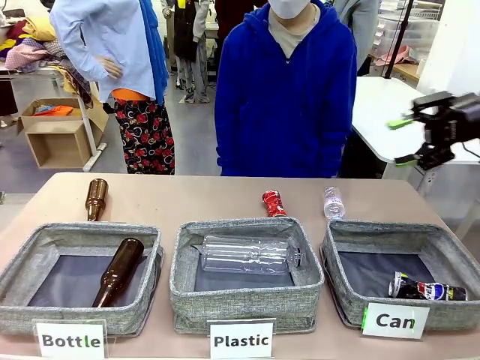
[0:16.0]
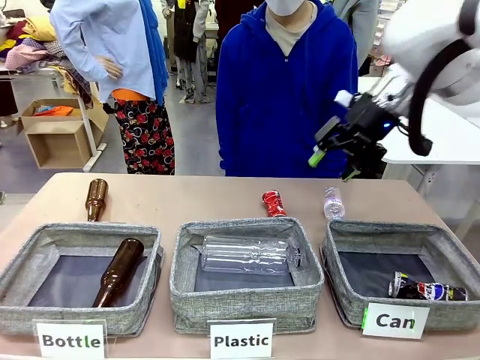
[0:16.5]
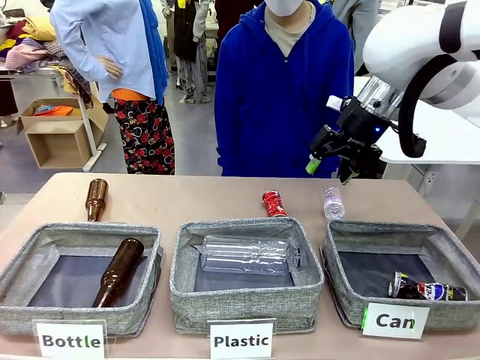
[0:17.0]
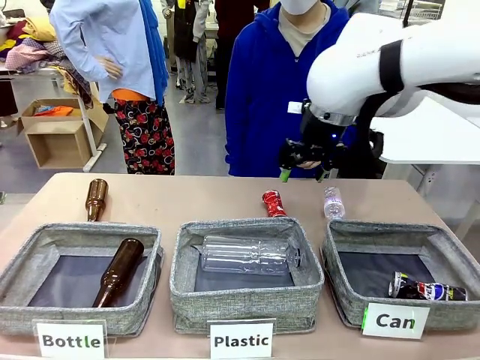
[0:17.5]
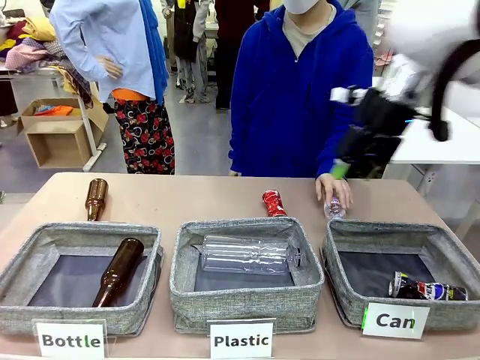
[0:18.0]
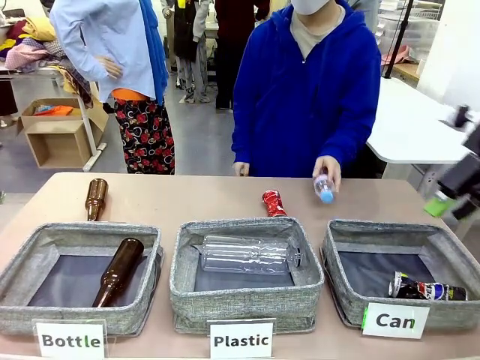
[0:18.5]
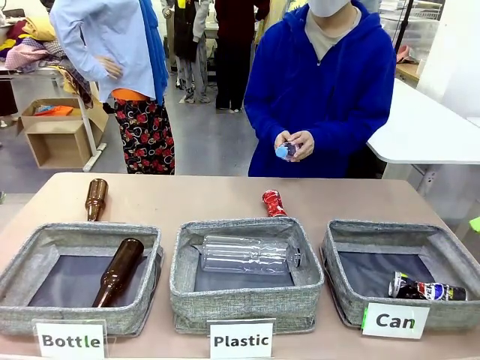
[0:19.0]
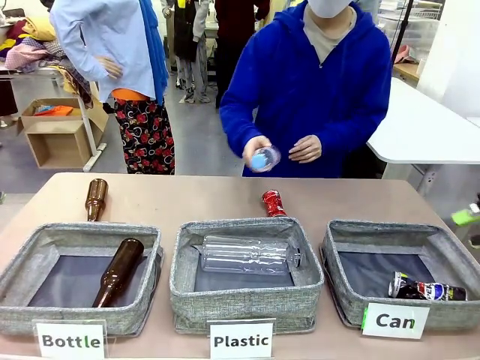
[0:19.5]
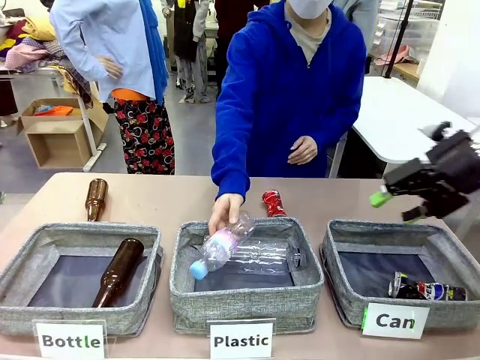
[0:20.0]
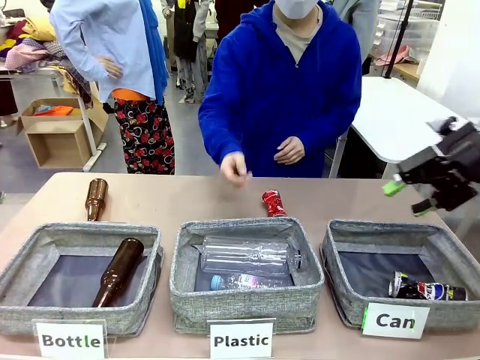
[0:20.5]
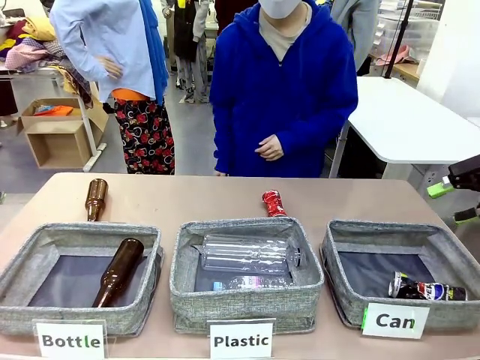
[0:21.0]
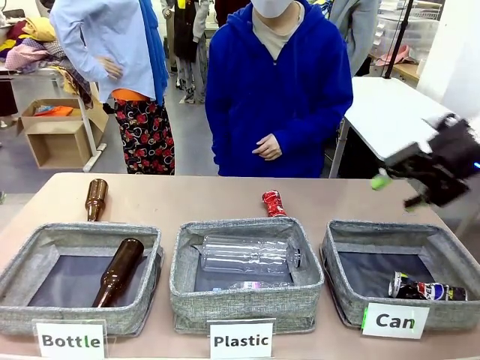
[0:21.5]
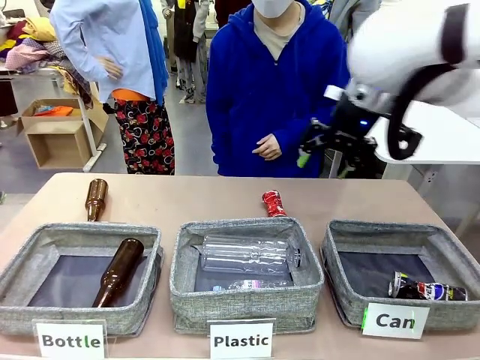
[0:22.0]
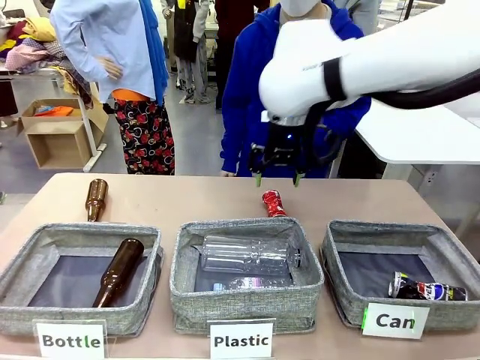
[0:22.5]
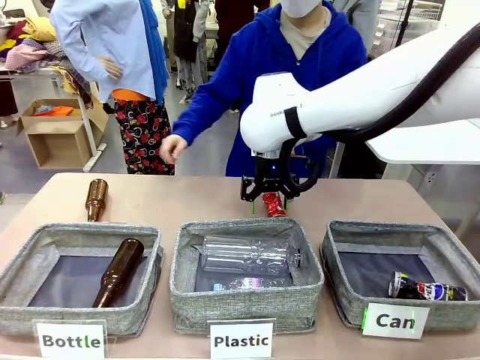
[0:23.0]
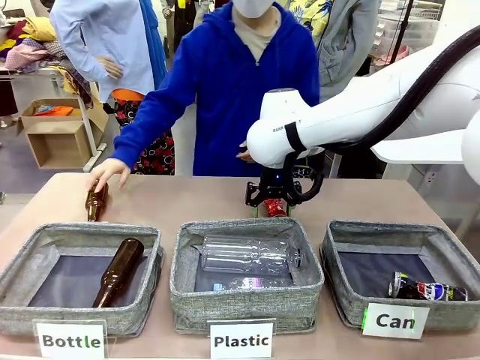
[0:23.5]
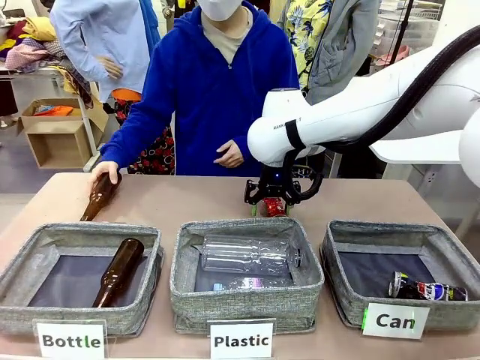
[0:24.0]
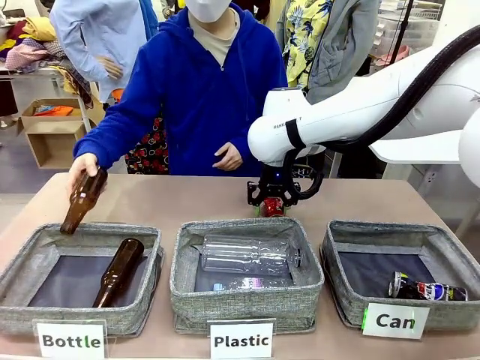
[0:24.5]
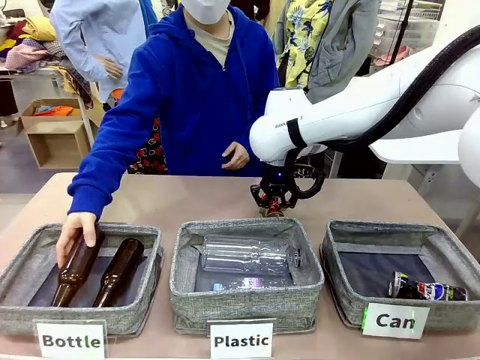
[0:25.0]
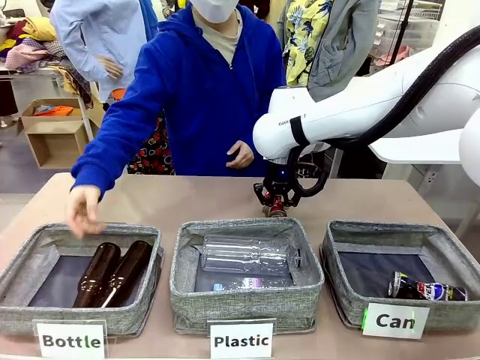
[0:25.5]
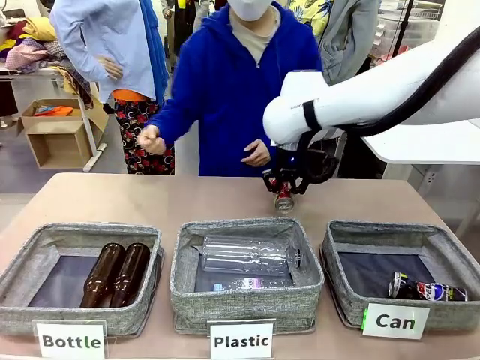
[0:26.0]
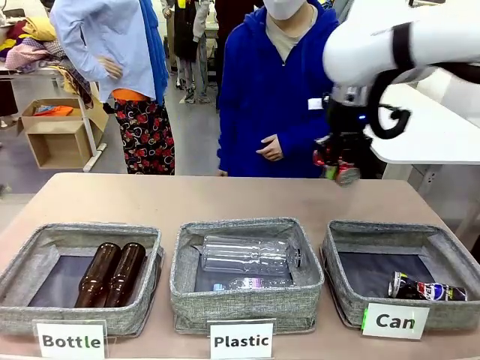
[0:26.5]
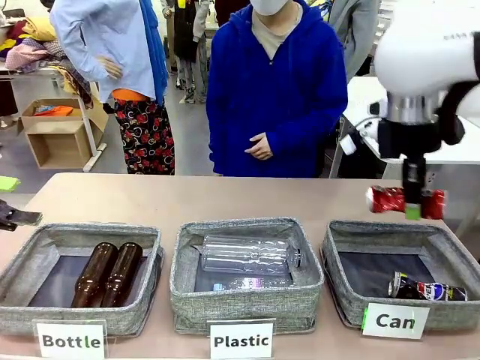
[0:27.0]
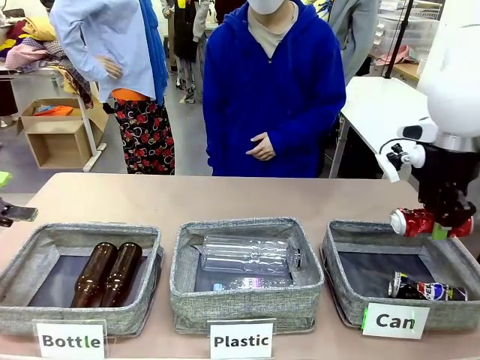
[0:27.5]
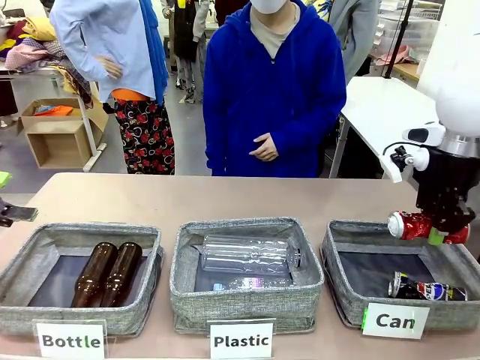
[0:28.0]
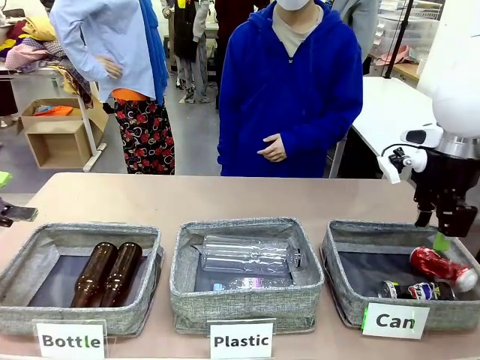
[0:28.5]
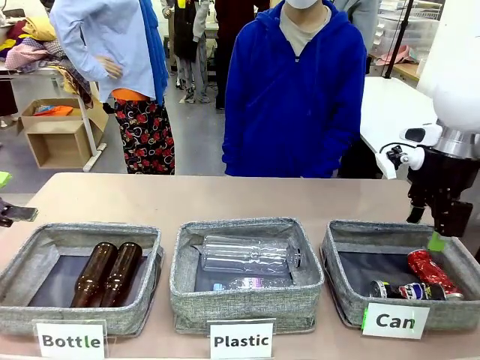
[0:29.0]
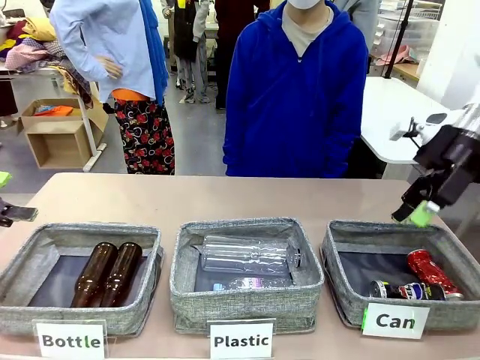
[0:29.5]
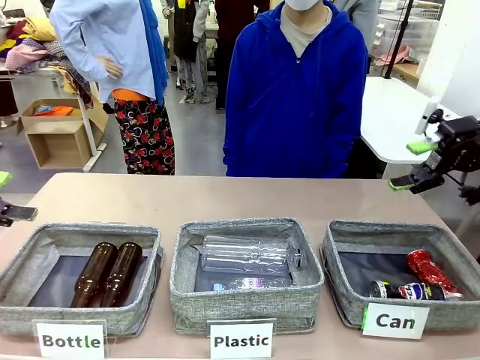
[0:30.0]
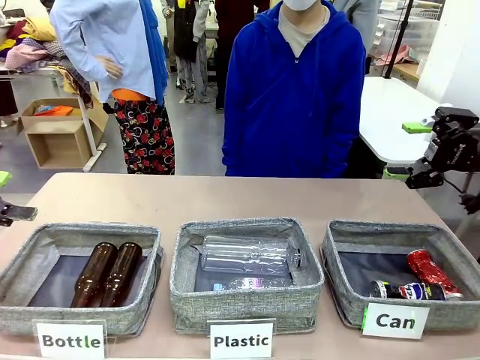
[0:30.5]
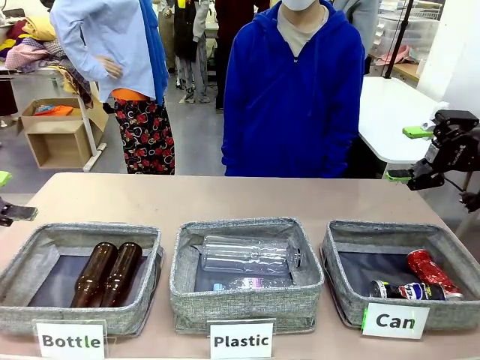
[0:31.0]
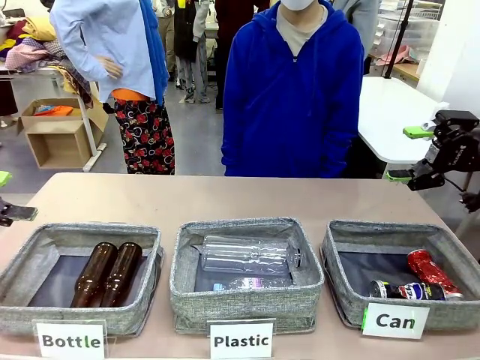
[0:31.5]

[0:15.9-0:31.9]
Task: Sort the can waste into the basket.
Robot: Pick up the can waste from the table and place it in the right Fabric basket.
Person: The human picks up one piece of trash that is not a can and places the trash into the appropriate organizing basket.

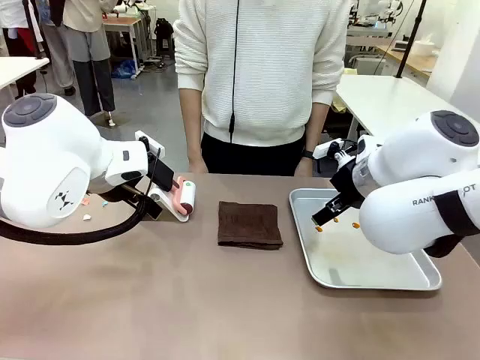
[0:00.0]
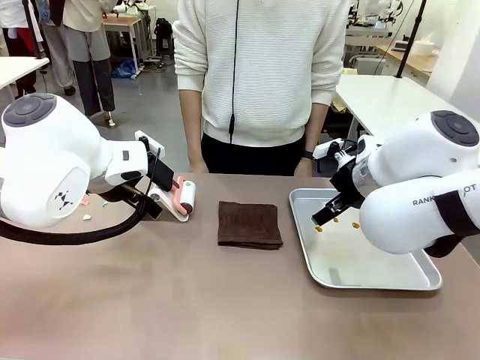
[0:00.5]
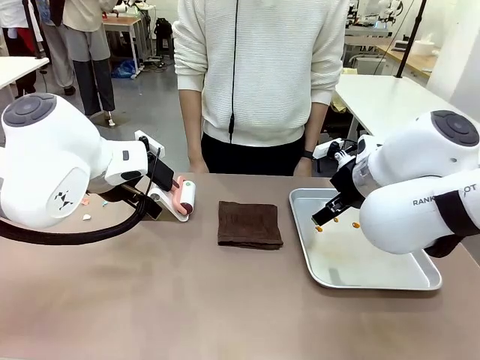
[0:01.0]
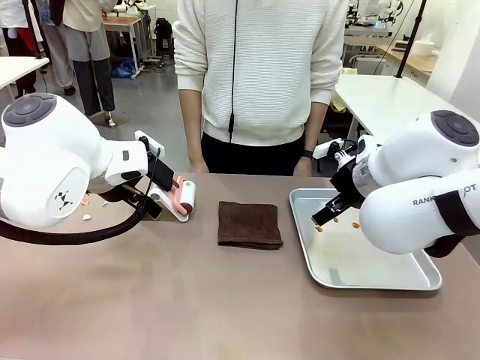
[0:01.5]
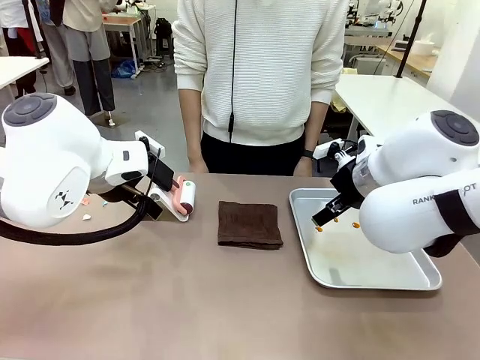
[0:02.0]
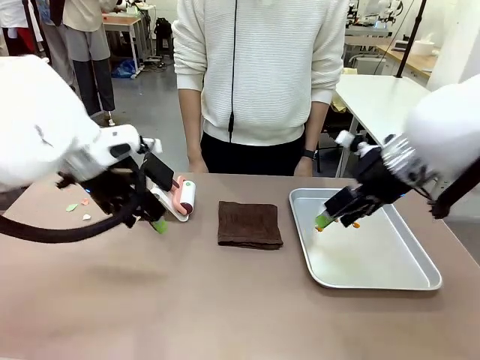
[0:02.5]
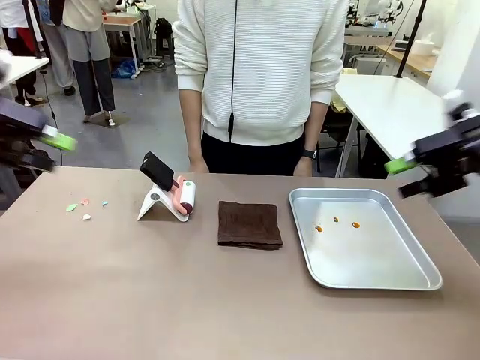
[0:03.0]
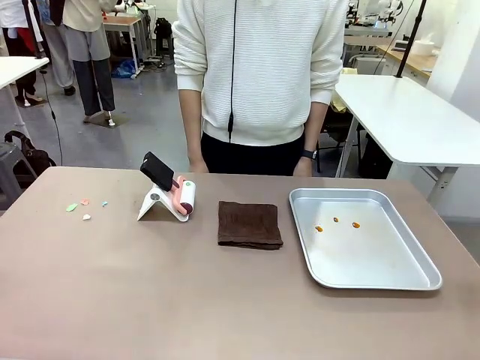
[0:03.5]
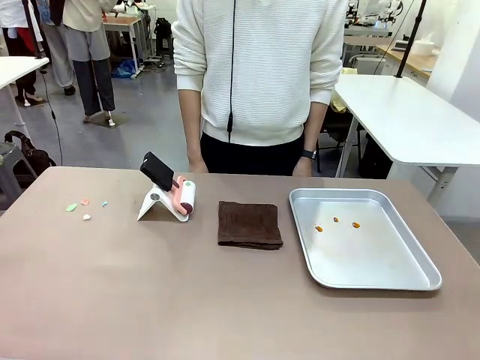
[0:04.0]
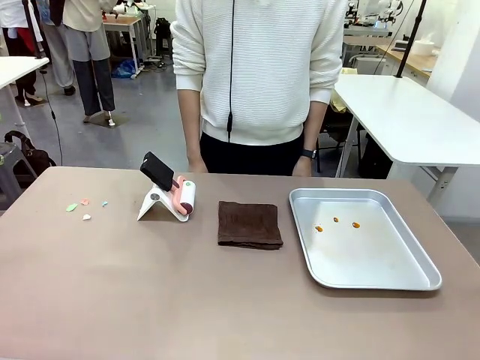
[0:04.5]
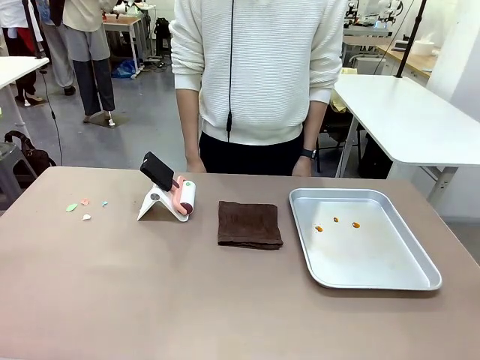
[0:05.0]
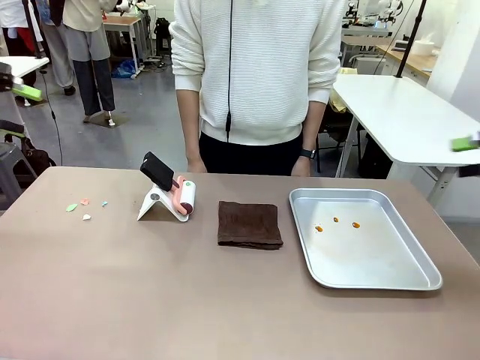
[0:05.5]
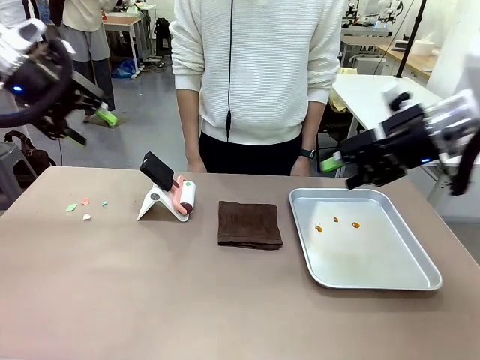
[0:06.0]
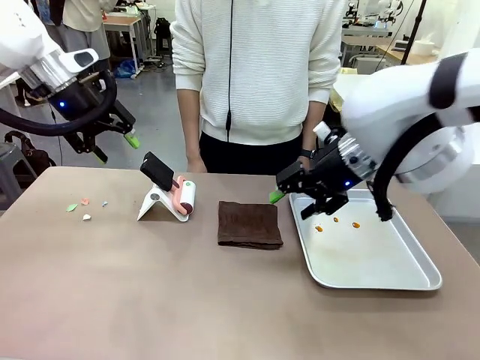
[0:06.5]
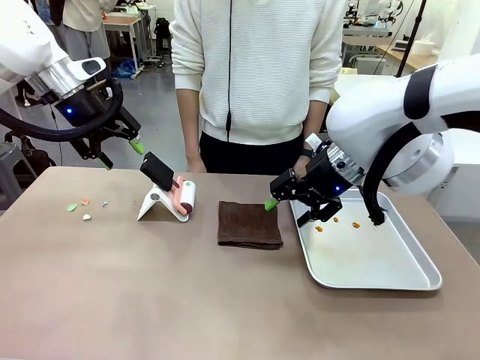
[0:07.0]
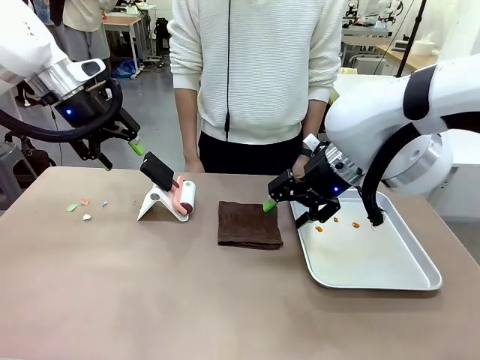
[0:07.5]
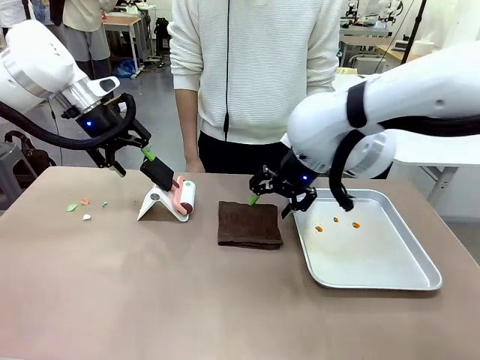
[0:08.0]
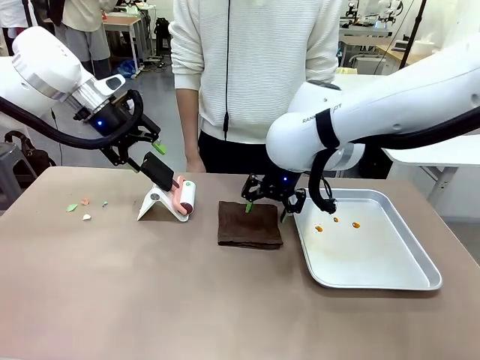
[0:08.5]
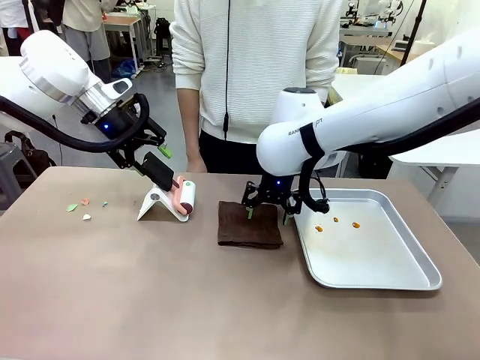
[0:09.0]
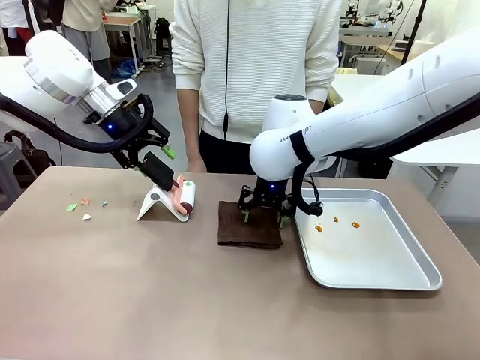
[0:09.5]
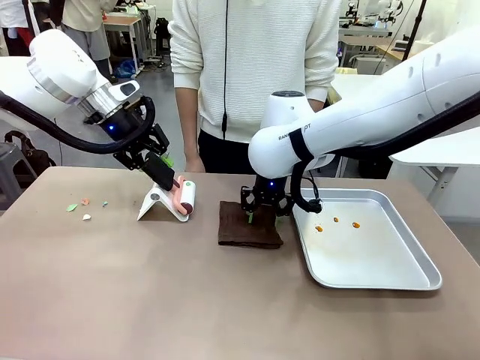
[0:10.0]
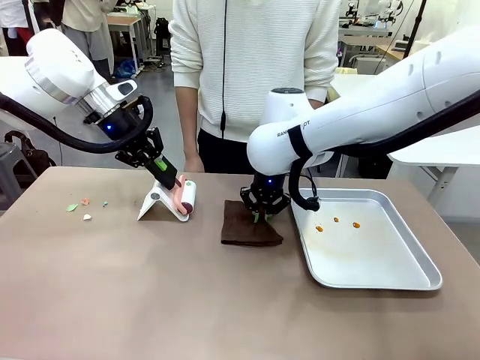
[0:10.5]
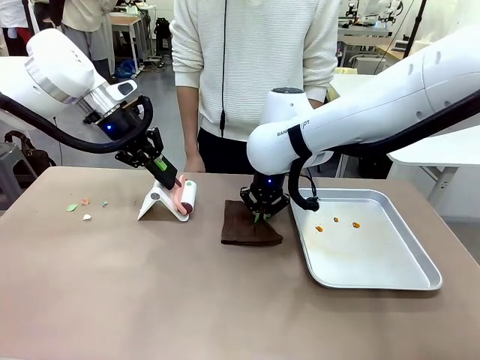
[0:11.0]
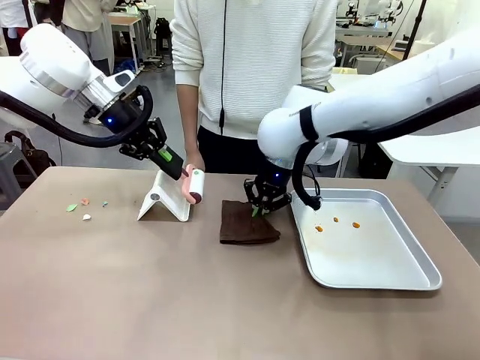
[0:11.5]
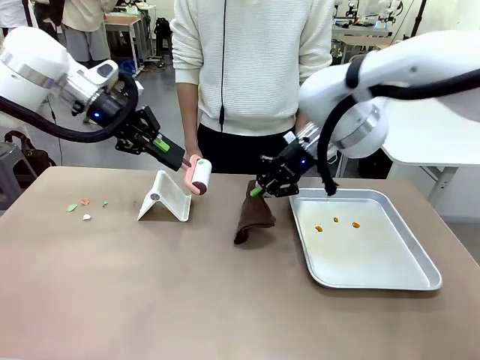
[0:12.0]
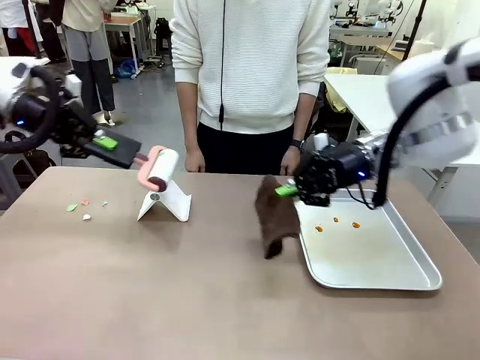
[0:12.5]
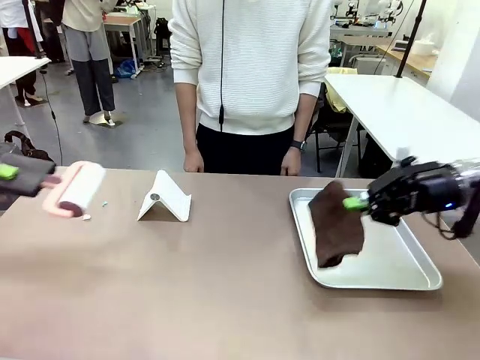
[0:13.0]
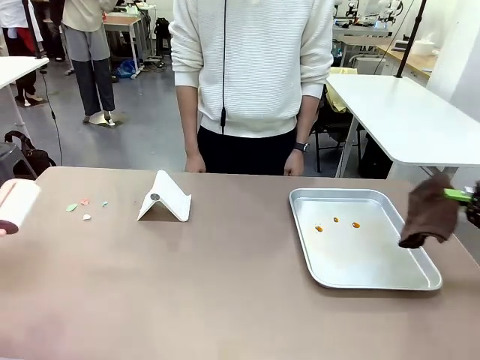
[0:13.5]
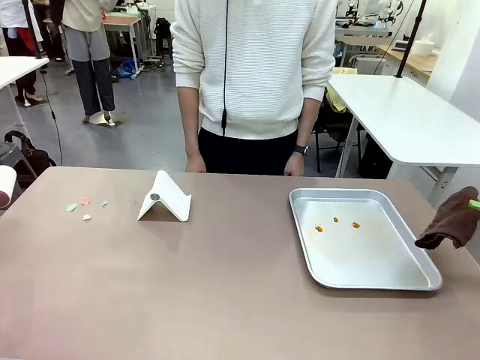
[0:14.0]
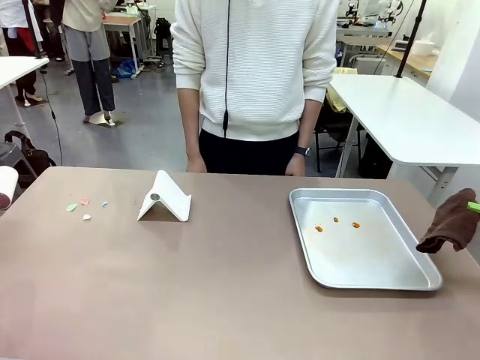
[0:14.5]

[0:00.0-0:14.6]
Task: Clean the surface of the table.
Robot: Hold the Lint Roller with your left hand and the towel with your right hand.
